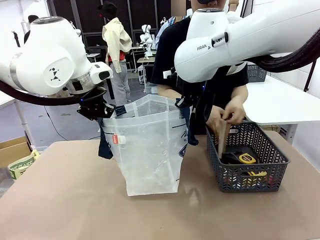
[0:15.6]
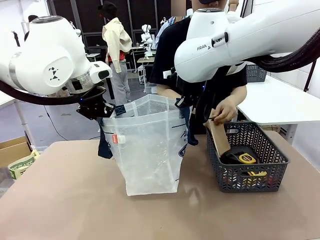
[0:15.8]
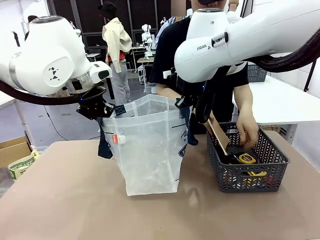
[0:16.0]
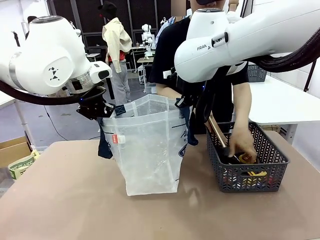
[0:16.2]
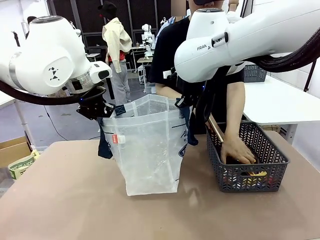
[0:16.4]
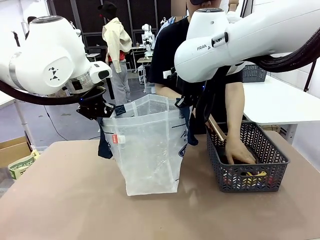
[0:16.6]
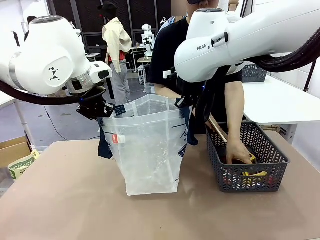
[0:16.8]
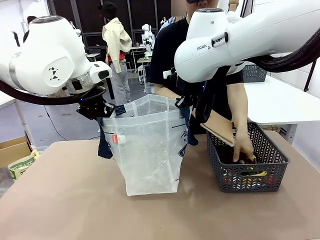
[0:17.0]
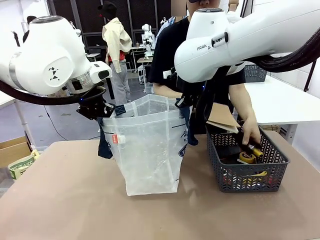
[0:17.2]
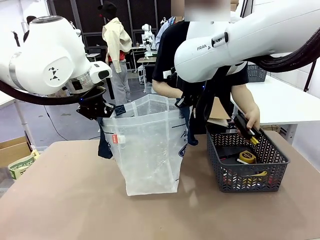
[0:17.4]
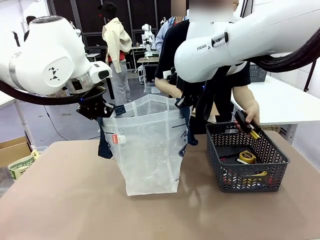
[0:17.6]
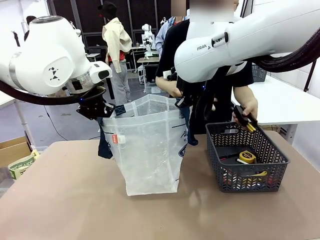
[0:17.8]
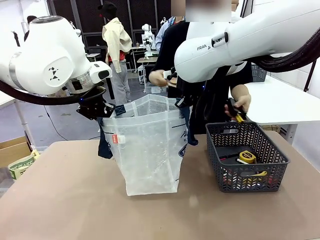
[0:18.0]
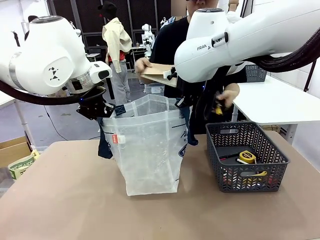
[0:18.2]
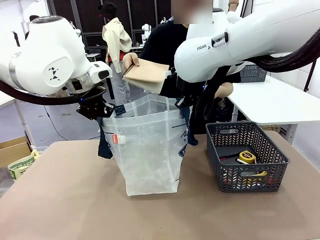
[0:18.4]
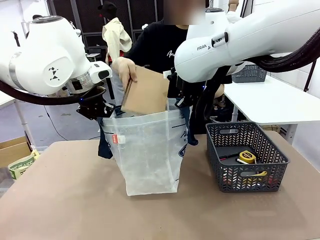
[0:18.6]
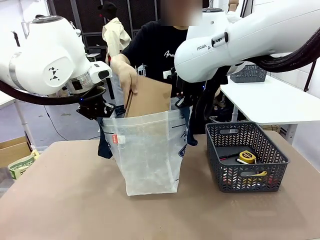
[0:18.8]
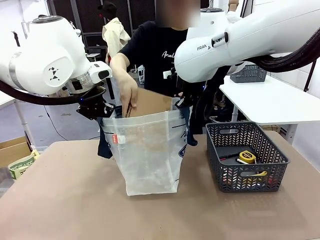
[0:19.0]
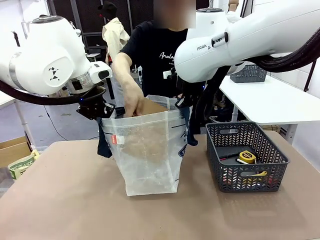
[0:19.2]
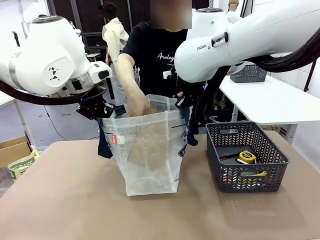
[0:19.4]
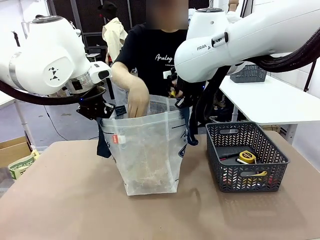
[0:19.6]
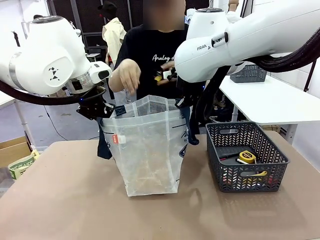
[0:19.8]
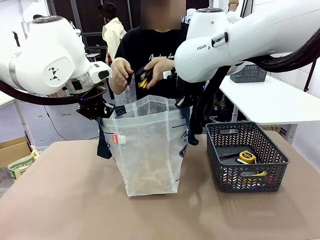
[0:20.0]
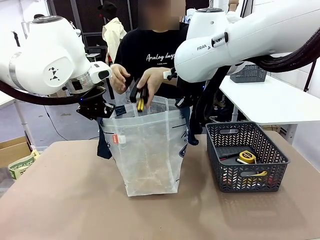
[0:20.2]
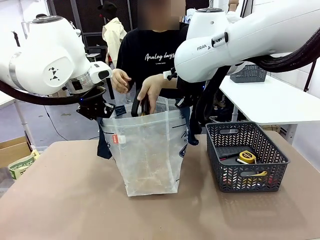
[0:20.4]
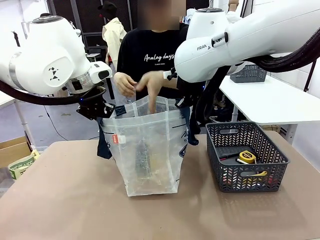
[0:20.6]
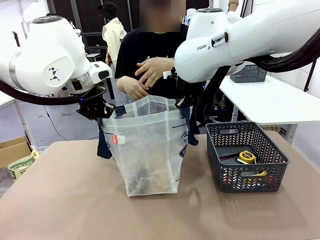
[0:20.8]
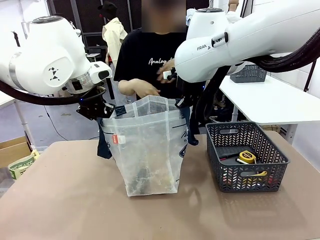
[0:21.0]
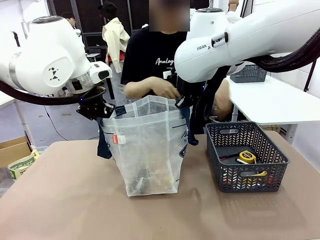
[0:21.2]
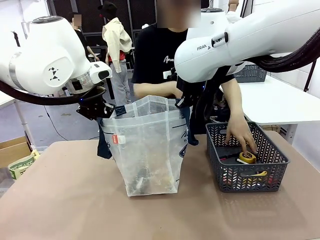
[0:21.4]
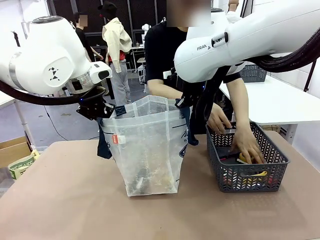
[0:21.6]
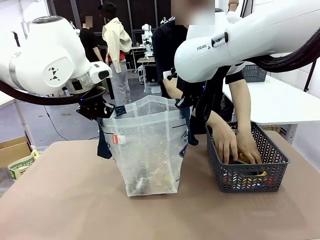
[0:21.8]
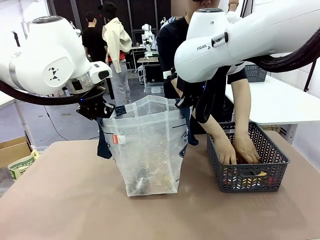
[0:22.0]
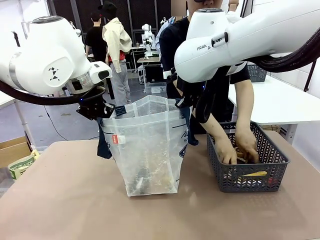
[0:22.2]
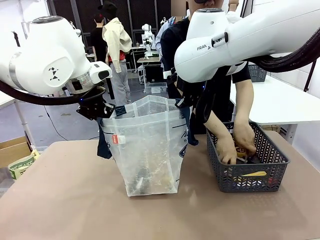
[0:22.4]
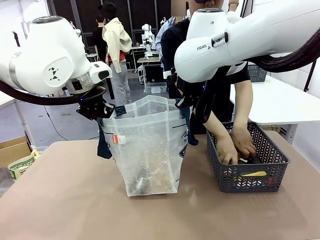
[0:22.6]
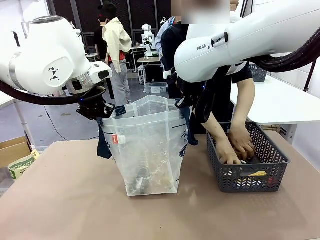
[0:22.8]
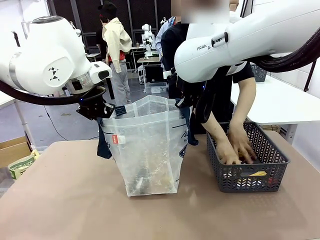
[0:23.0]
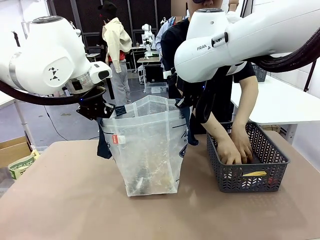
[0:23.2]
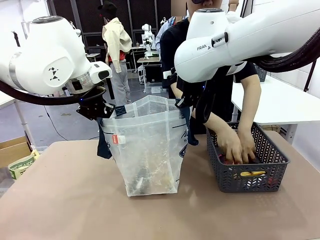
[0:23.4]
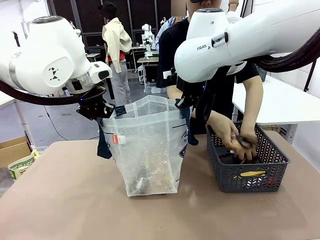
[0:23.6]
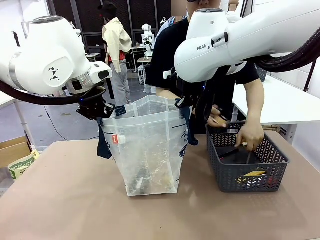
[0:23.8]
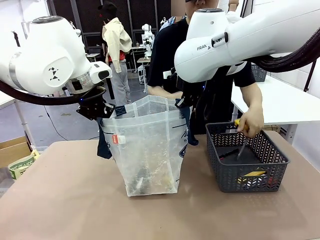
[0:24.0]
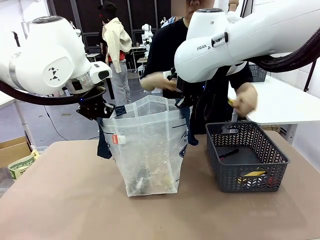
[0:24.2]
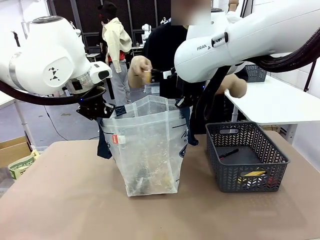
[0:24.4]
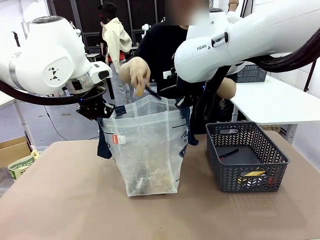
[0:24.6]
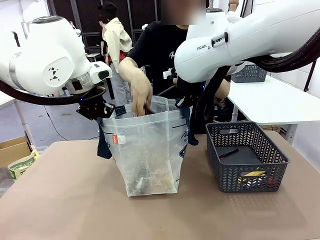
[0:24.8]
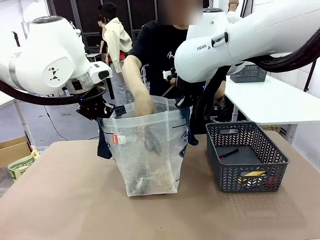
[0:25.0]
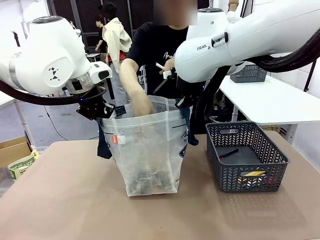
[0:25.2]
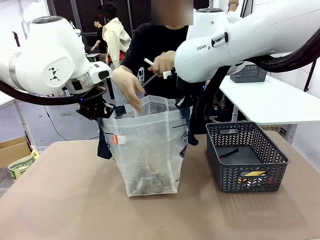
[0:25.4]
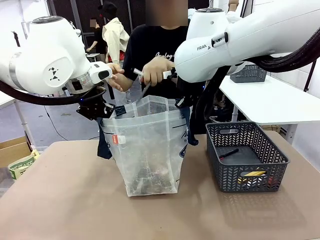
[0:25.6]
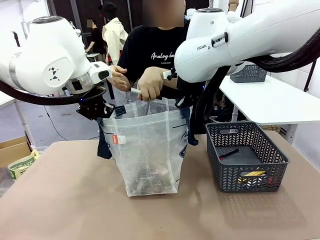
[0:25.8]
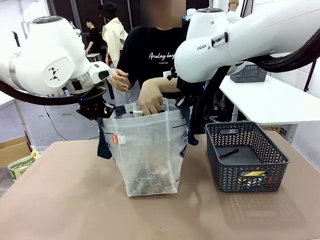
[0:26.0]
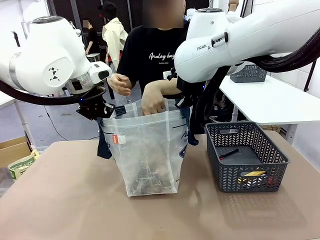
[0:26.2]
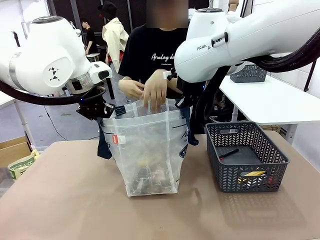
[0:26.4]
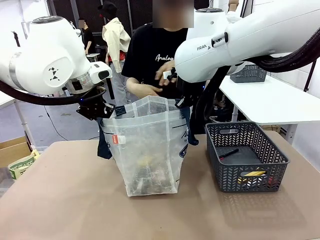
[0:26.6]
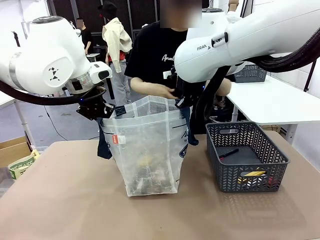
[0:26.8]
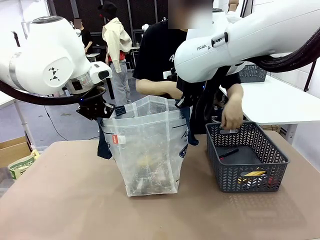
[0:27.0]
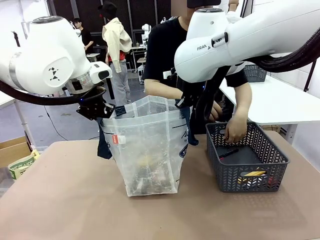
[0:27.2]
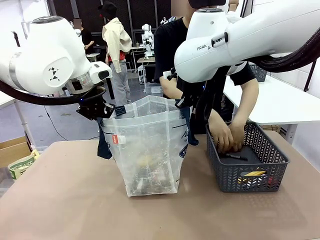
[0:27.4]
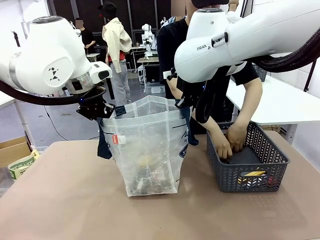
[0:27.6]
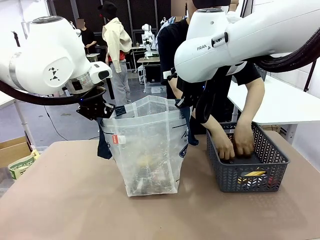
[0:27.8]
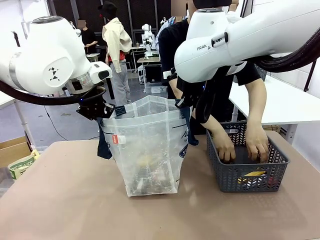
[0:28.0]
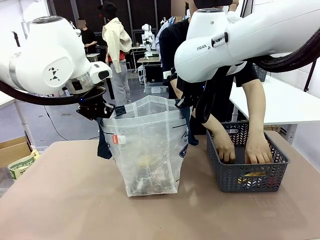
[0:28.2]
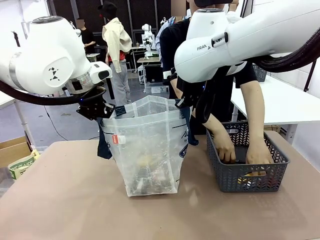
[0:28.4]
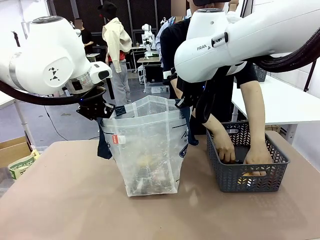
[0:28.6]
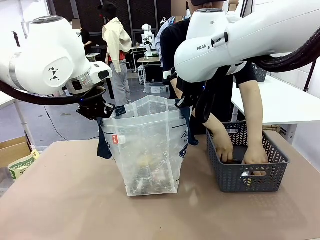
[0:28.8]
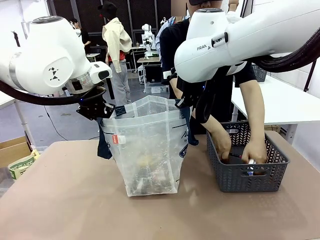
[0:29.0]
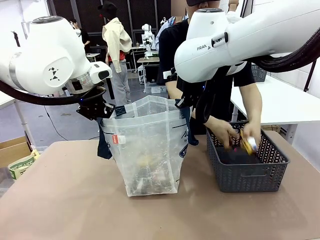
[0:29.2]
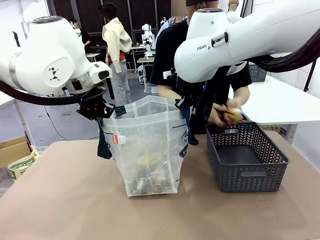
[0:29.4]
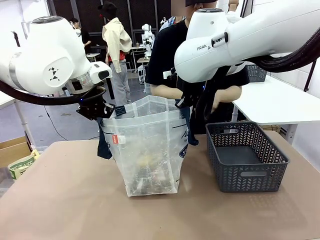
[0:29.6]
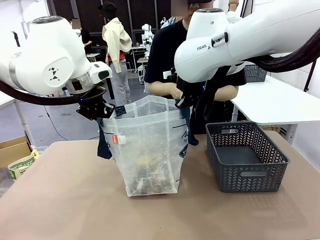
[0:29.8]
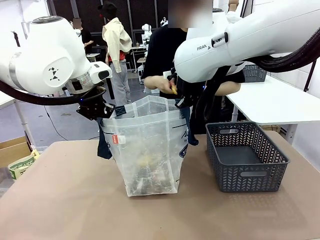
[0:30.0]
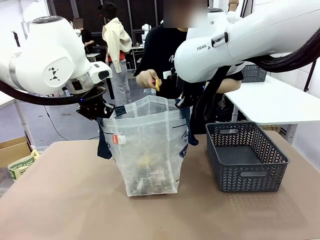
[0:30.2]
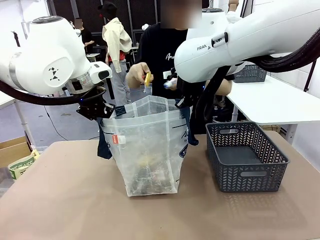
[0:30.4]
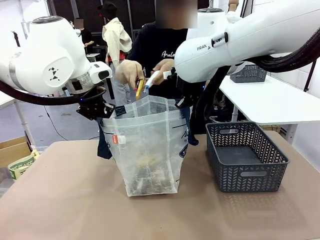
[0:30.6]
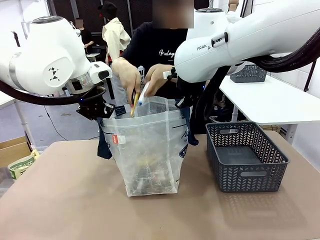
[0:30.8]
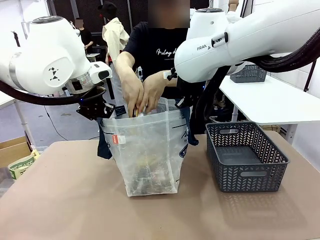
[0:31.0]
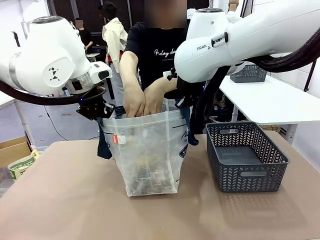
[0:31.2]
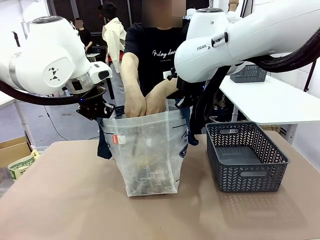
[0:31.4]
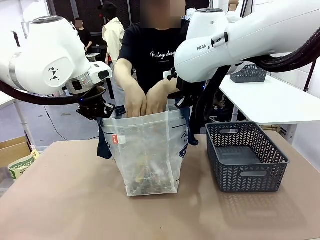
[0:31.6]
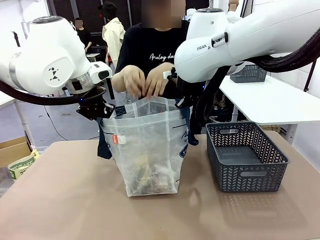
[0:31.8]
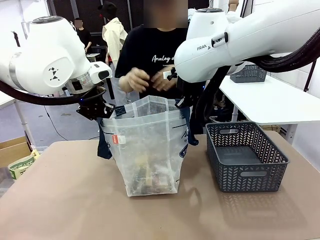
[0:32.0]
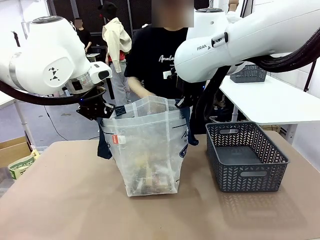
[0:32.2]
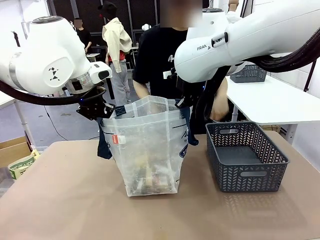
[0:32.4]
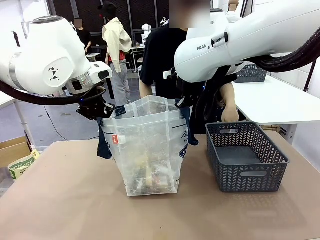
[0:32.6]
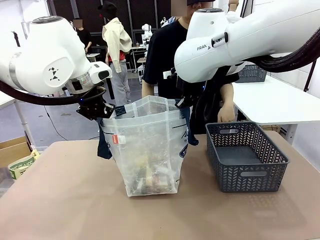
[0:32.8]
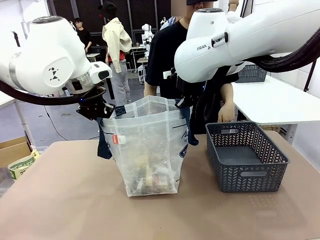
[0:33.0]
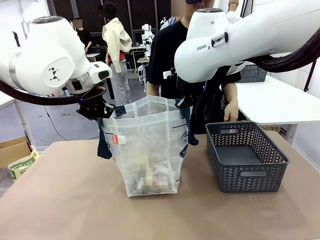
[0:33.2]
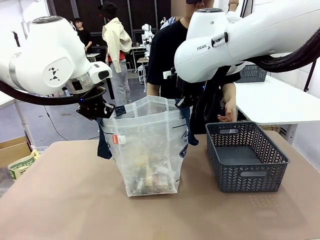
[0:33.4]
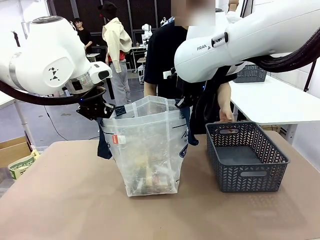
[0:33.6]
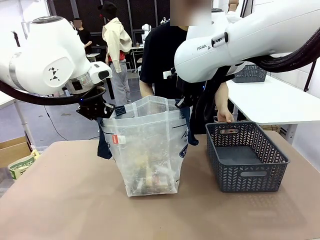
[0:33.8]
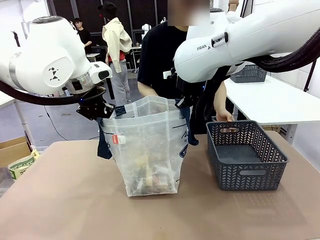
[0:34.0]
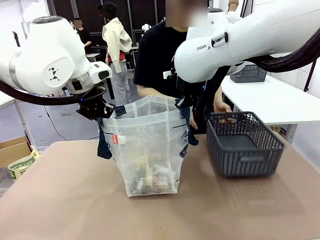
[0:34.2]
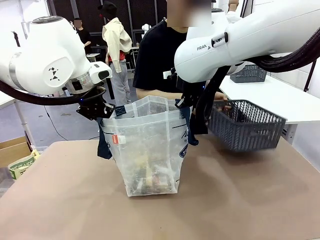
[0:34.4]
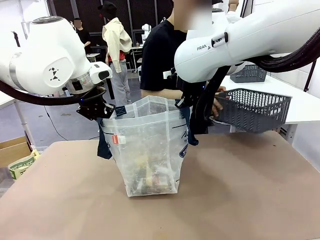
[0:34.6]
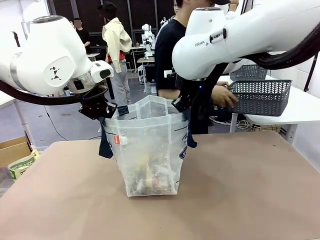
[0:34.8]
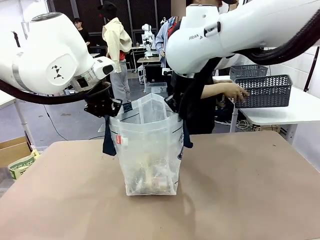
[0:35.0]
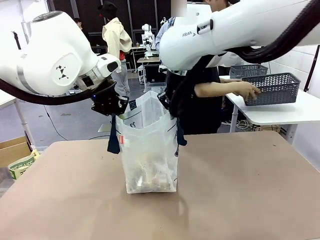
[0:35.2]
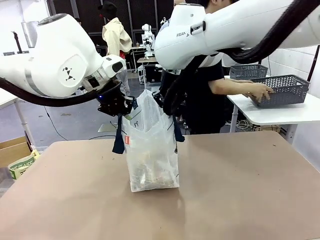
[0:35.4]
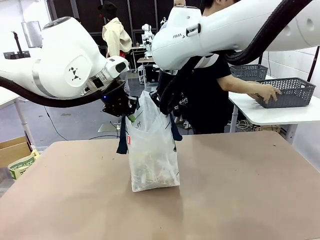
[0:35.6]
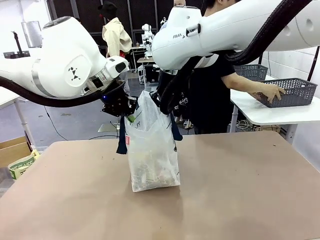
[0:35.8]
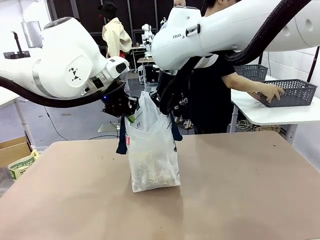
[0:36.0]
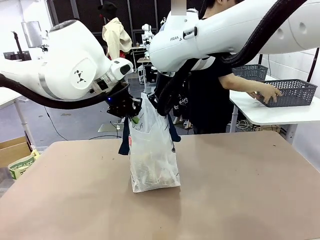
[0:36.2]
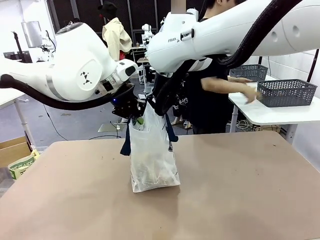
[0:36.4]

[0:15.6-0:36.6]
Task: Transfer purchased items from the store into the shopping bag.
Robot: Move the Reusable shopping bag to the right side of the table.
Person: Pick up the basket on the right, place it on the left side of the robot table, and move the items in the basket to the shopping bag. Pick up the basket with the items out and place it on the right side of the human table.
